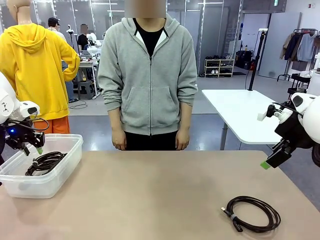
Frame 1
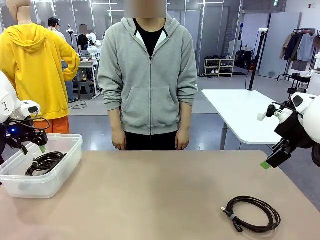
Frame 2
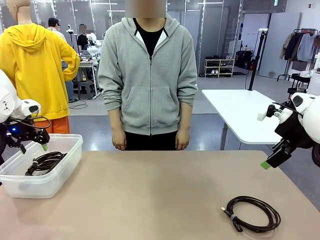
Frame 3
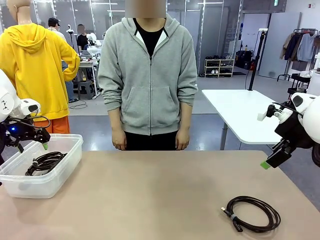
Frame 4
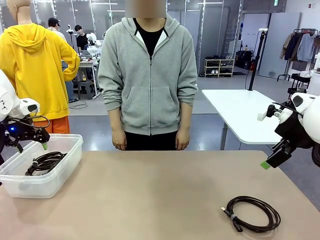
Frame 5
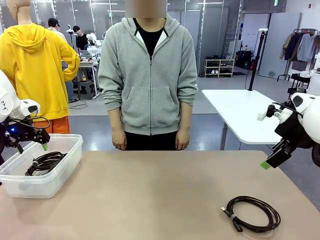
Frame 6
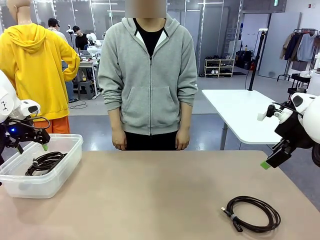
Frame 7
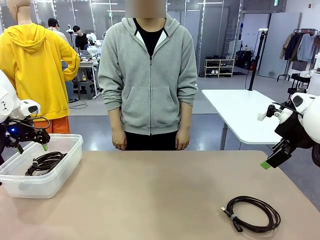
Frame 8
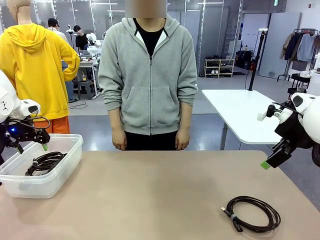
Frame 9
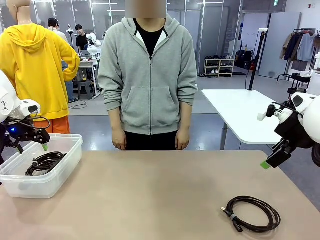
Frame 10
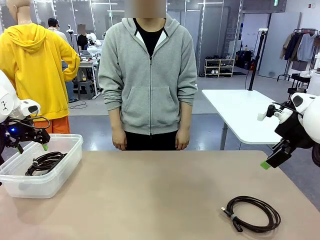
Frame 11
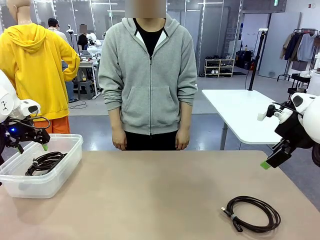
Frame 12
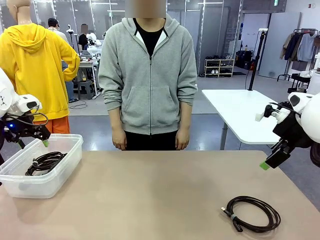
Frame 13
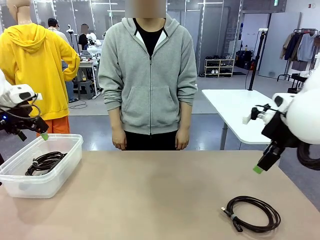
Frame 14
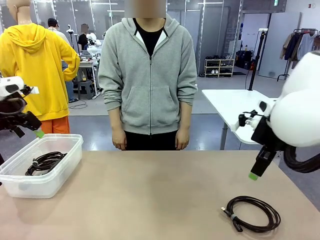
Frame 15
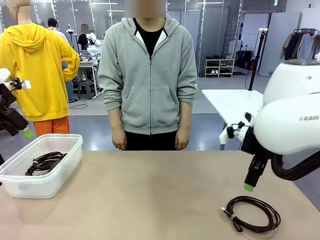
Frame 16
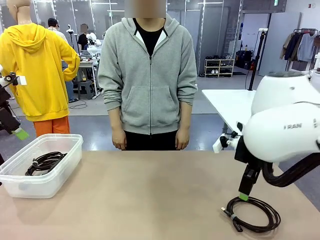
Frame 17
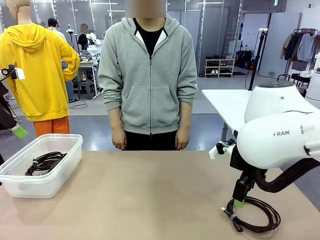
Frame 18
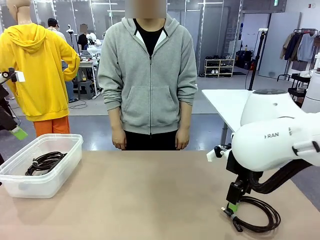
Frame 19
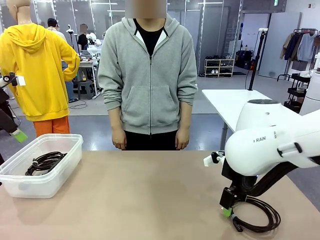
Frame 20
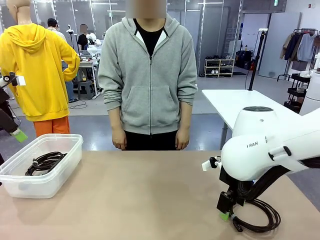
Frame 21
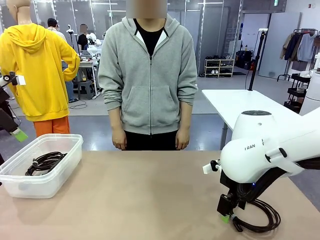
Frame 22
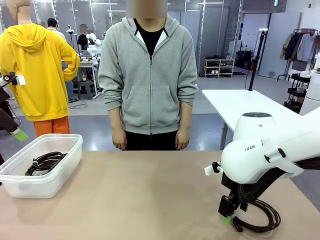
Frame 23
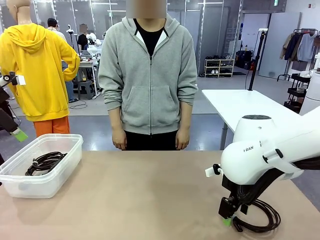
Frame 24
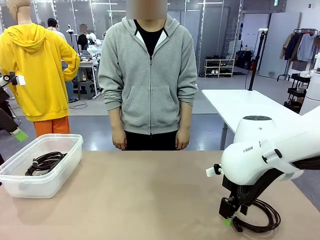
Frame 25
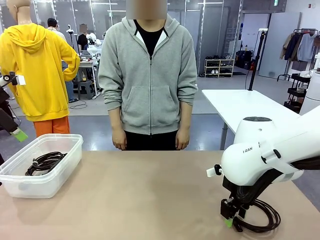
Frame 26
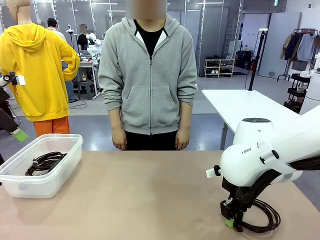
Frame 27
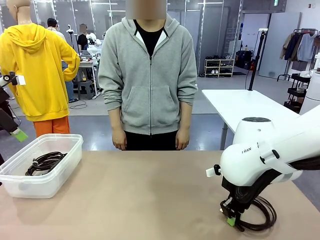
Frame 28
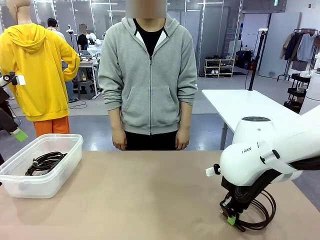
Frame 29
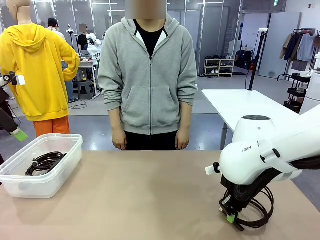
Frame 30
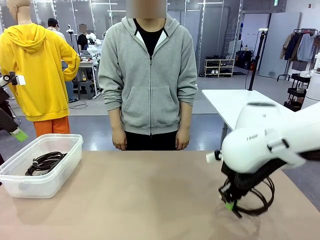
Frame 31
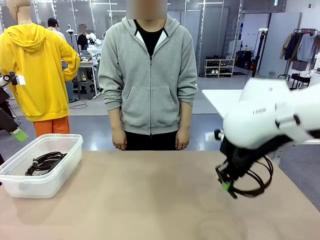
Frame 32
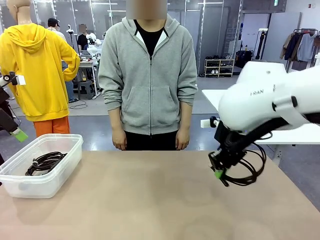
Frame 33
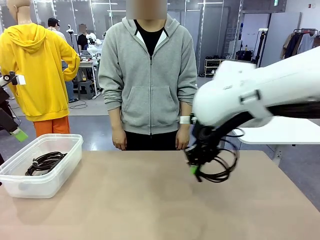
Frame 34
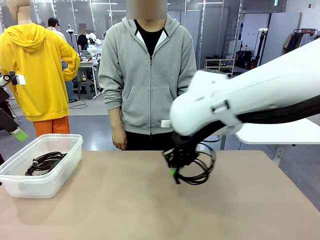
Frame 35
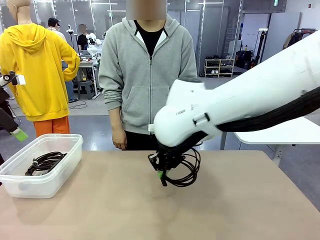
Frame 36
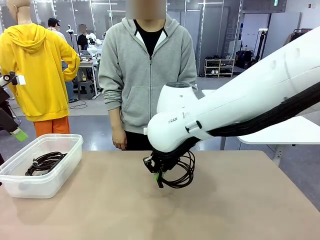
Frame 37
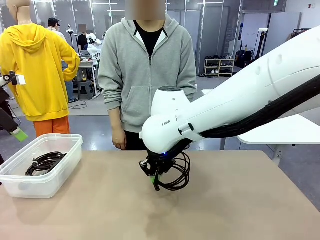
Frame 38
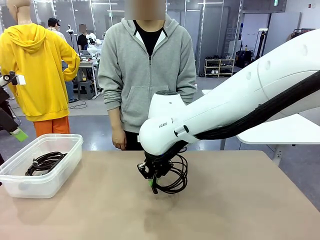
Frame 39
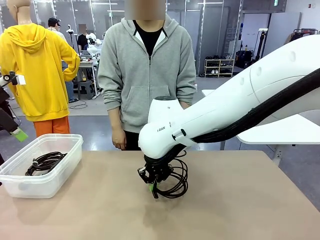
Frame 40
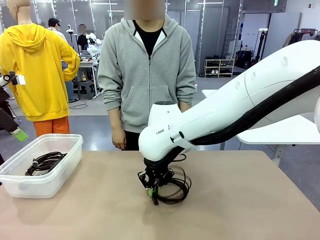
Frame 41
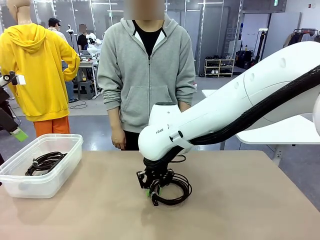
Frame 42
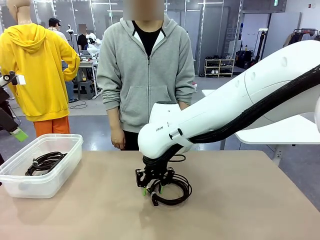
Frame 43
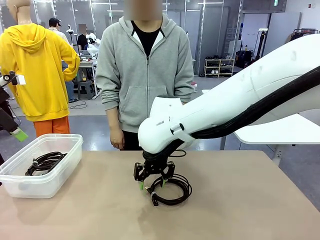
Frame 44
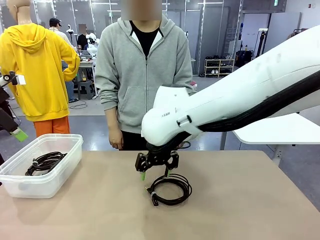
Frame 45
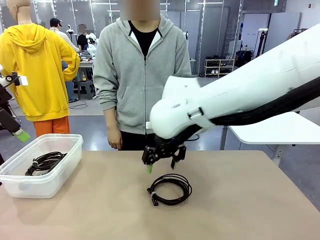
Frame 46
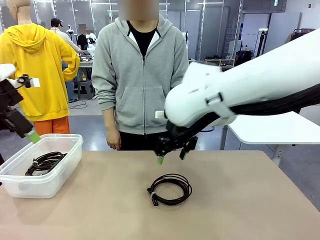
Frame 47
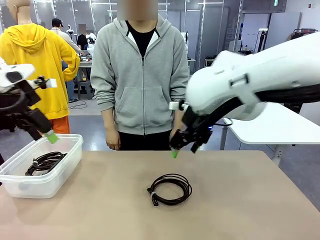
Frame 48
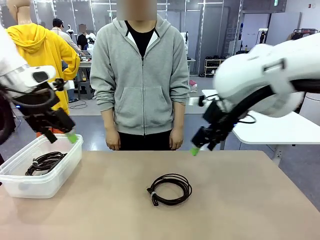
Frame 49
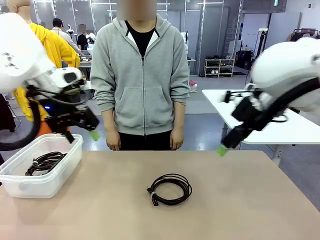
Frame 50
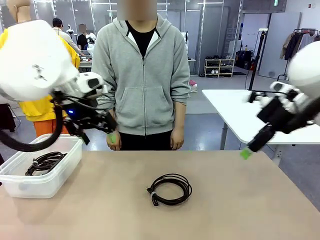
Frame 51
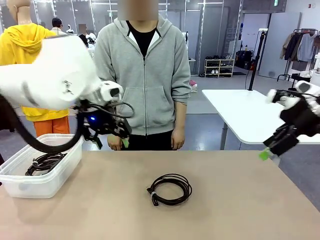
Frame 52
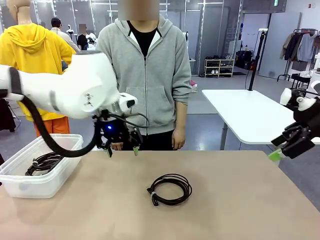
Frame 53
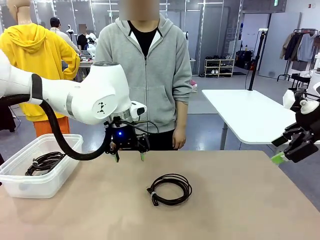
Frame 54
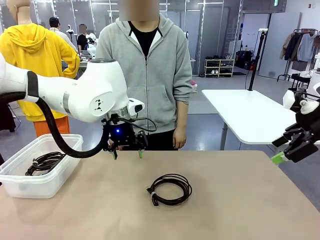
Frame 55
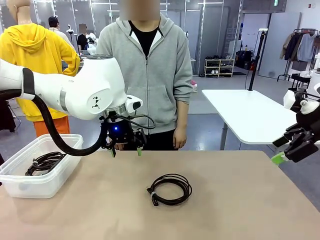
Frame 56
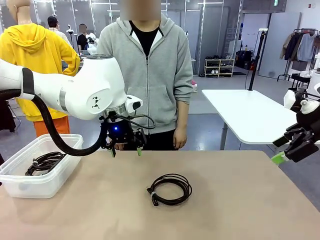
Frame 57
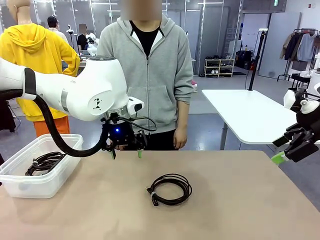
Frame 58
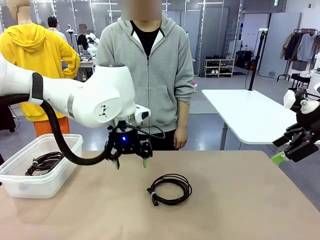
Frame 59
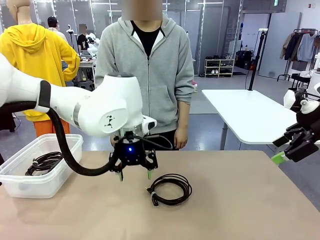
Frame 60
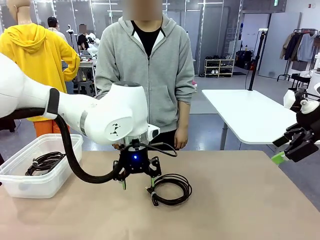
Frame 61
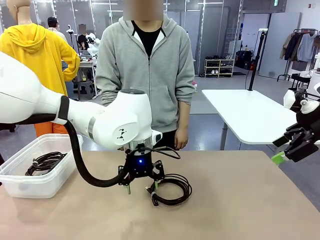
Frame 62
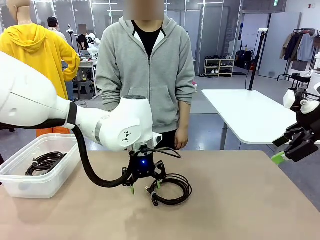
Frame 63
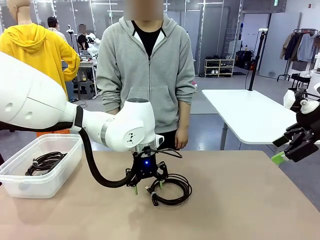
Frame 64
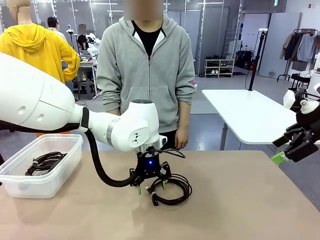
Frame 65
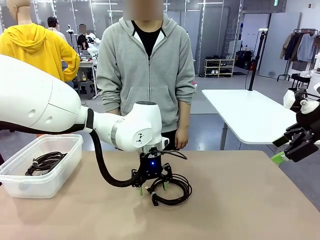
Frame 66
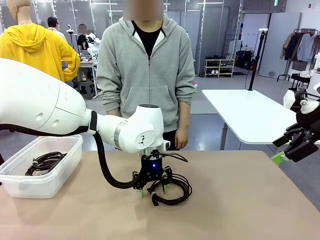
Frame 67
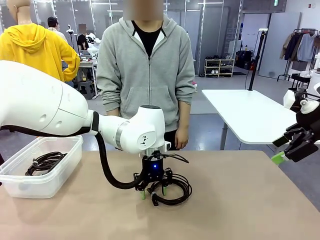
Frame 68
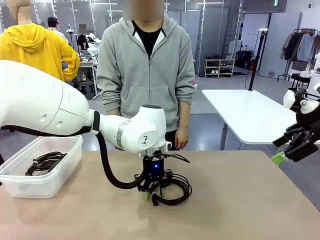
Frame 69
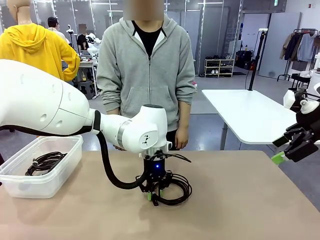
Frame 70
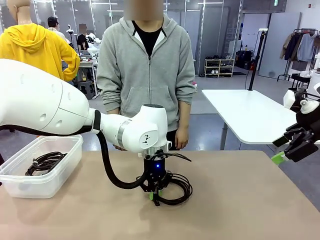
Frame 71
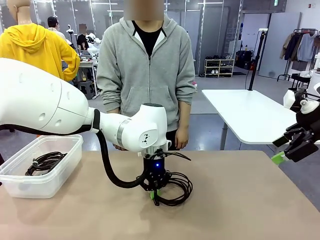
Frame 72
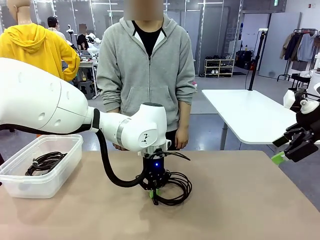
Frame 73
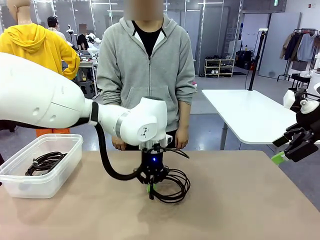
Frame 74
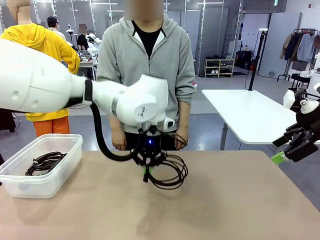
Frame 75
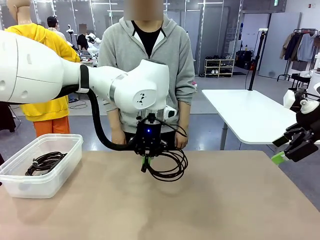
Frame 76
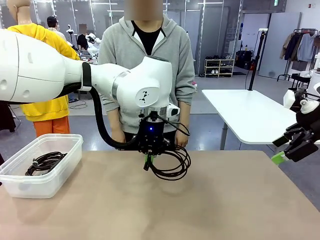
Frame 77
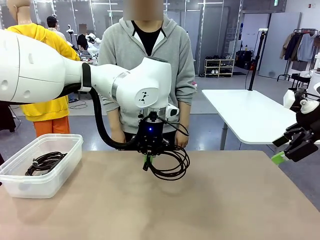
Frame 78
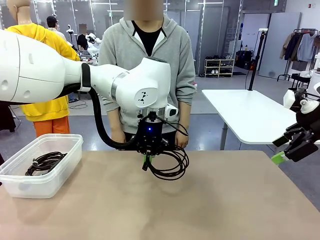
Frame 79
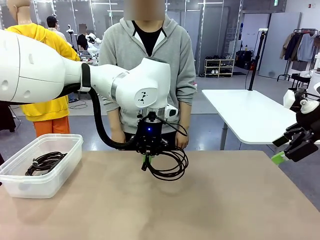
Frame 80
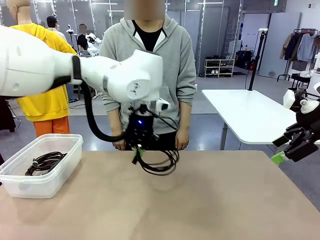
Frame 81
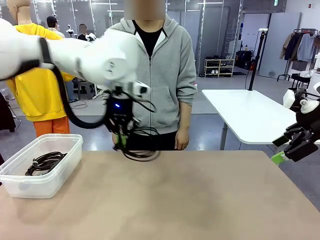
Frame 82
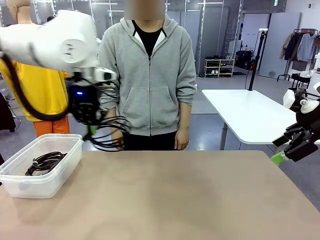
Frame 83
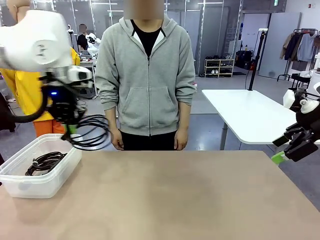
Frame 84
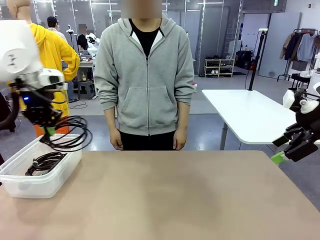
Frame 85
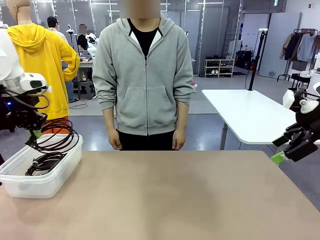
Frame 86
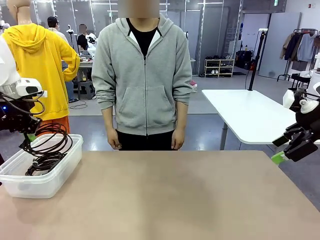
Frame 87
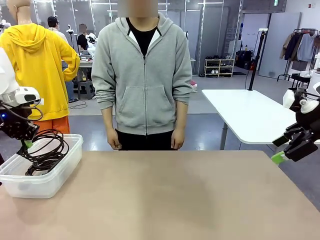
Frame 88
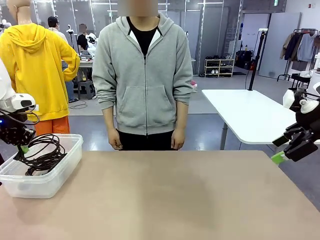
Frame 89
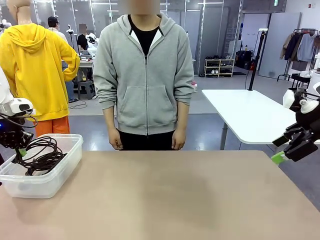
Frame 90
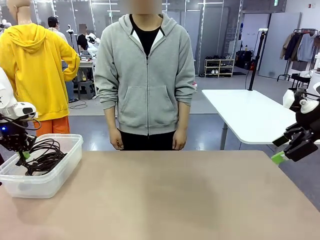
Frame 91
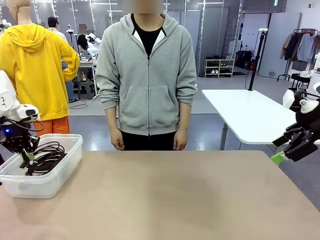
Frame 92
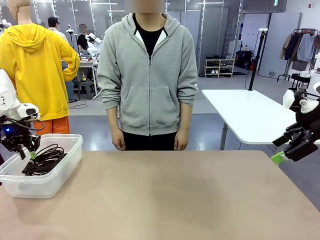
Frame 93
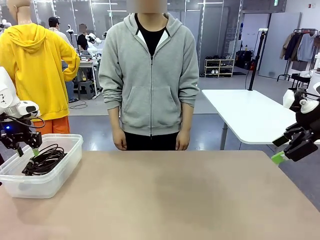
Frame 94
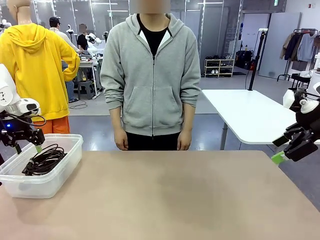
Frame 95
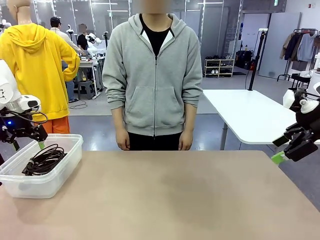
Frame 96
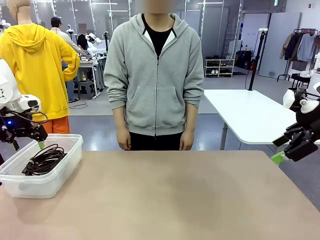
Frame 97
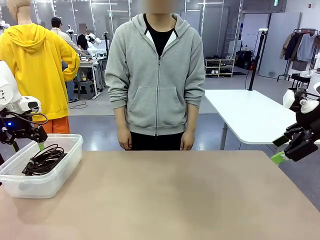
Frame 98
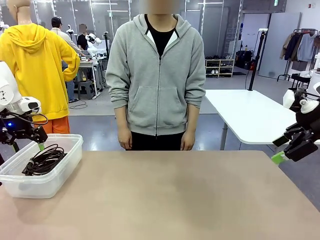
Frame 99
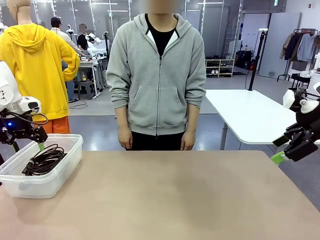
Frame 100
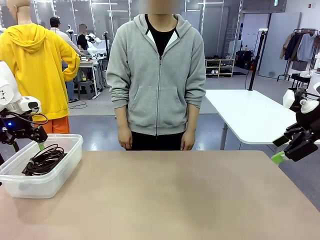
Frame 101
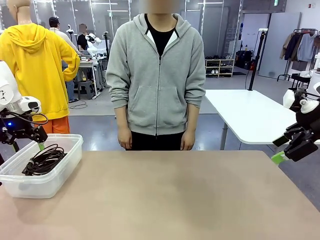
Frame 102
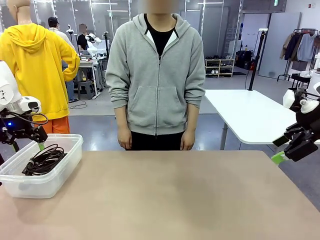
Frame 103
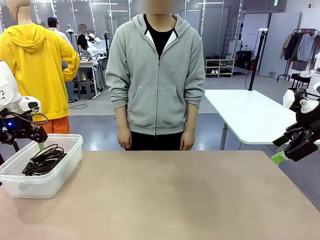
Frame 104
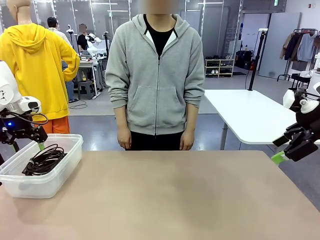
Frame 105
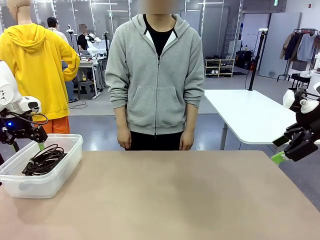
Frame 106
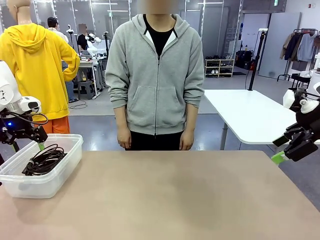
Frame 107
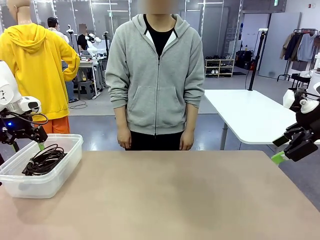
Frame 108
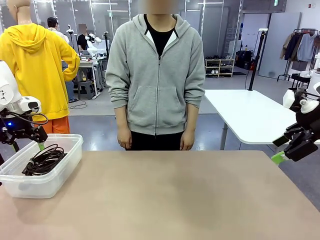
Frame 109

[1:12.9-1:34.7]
Task: Organize and store the cables.
Robot: Place the USB Extension Cable into the Organizing box.
